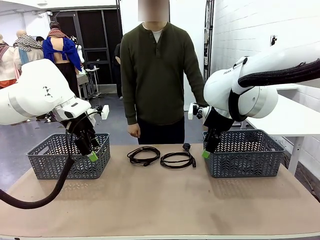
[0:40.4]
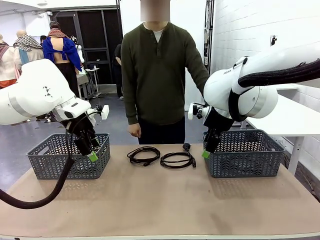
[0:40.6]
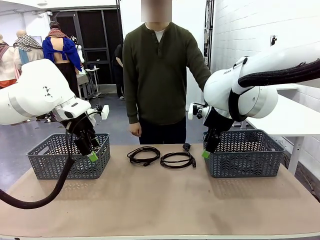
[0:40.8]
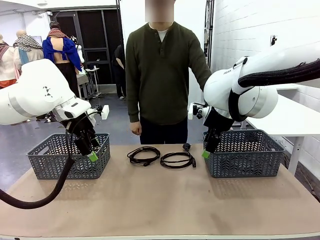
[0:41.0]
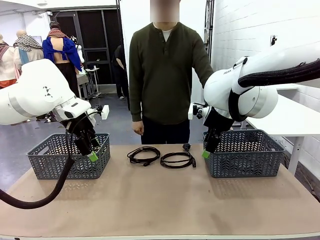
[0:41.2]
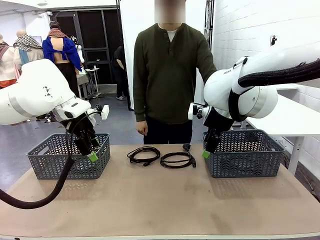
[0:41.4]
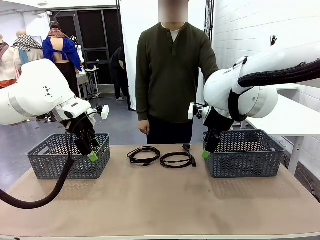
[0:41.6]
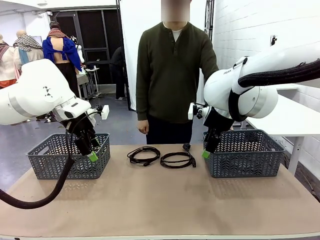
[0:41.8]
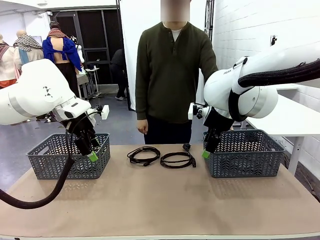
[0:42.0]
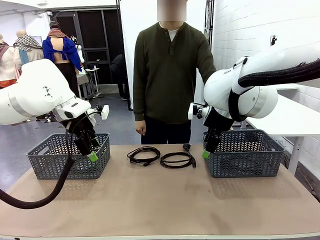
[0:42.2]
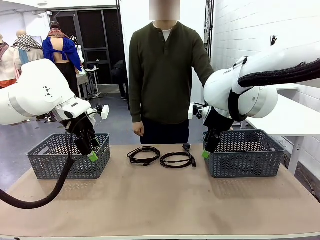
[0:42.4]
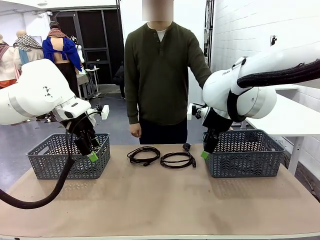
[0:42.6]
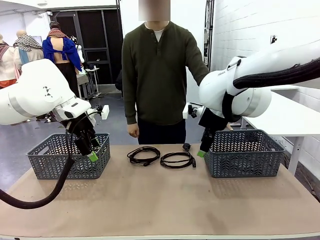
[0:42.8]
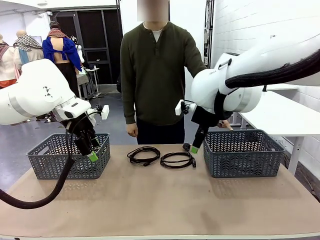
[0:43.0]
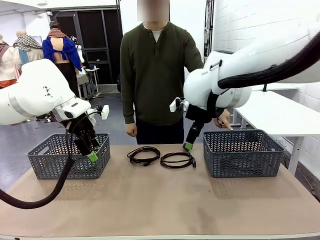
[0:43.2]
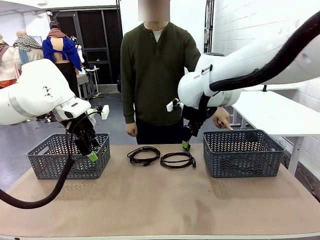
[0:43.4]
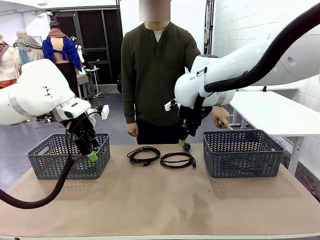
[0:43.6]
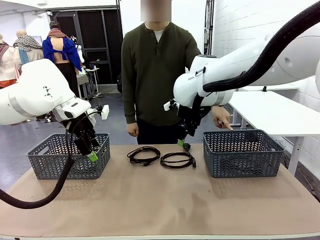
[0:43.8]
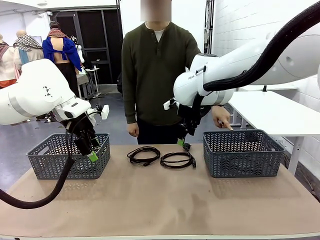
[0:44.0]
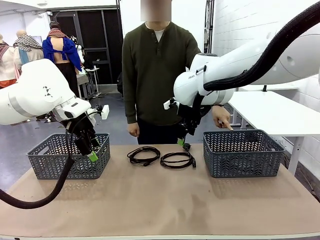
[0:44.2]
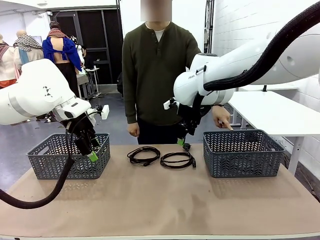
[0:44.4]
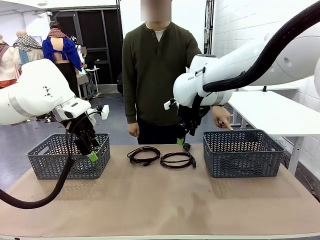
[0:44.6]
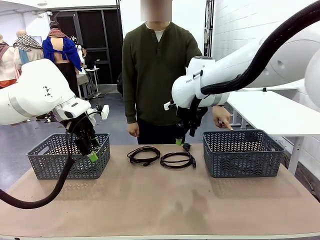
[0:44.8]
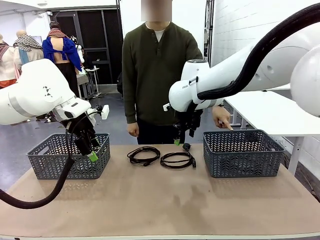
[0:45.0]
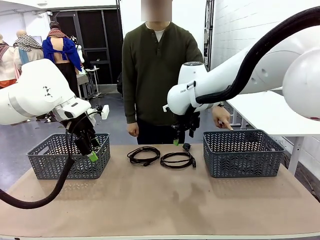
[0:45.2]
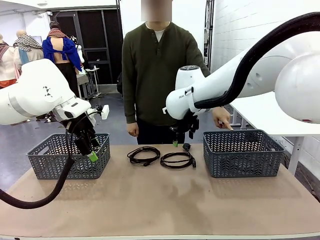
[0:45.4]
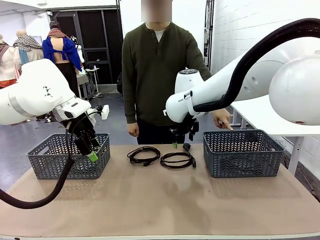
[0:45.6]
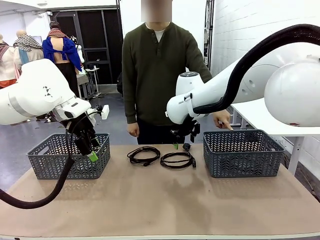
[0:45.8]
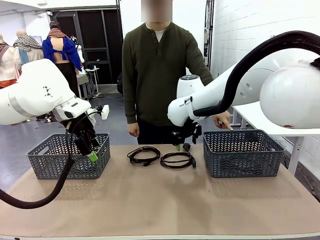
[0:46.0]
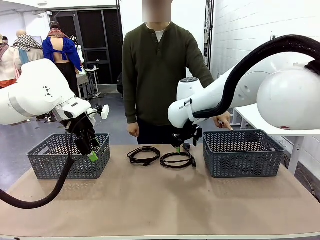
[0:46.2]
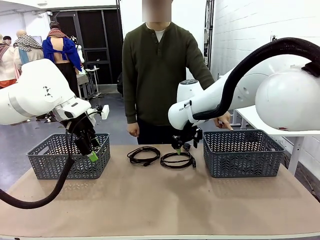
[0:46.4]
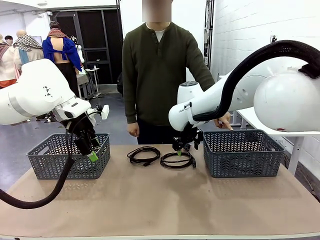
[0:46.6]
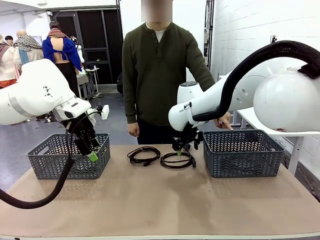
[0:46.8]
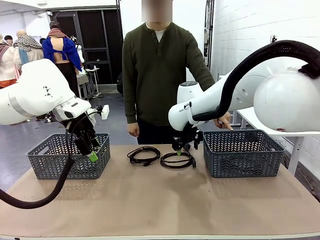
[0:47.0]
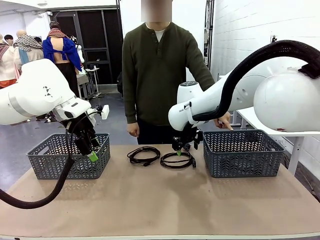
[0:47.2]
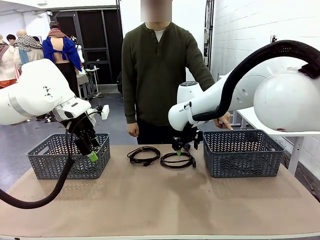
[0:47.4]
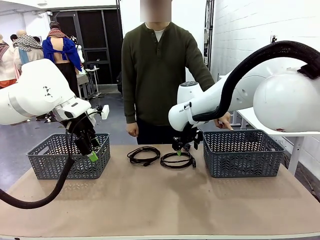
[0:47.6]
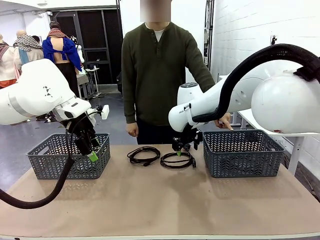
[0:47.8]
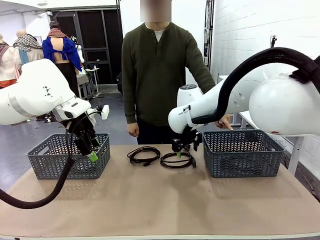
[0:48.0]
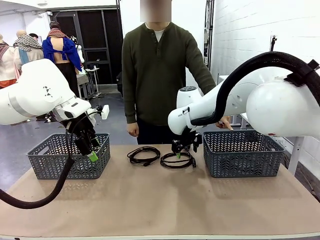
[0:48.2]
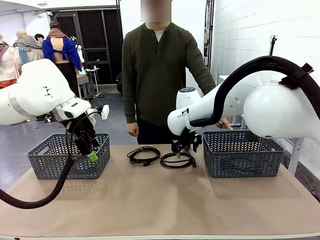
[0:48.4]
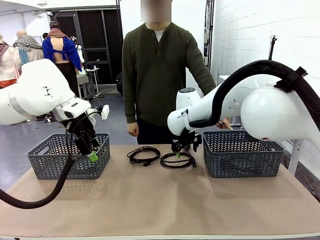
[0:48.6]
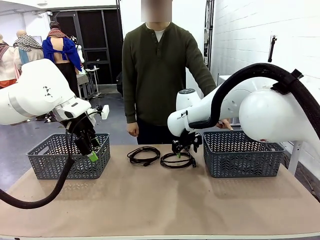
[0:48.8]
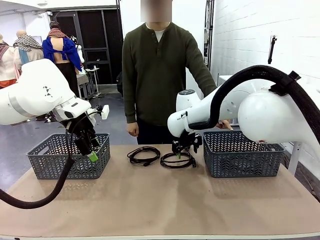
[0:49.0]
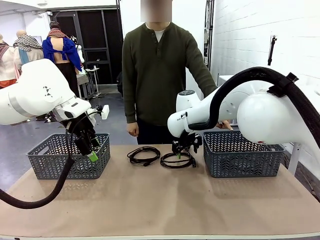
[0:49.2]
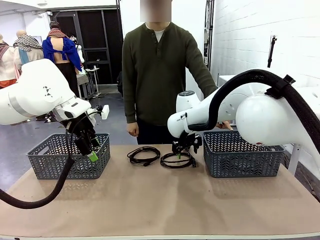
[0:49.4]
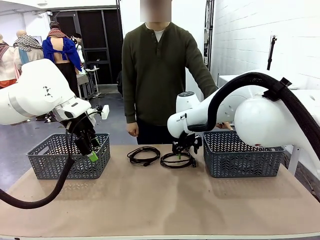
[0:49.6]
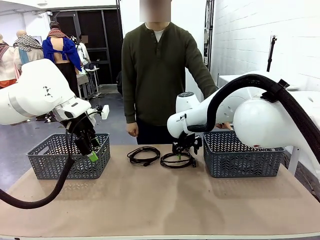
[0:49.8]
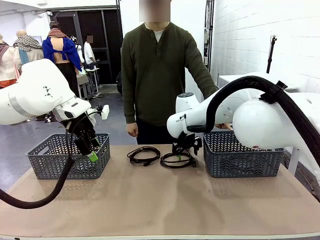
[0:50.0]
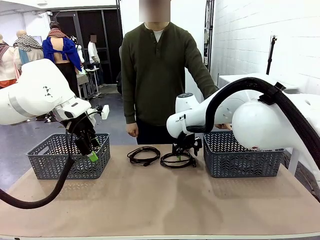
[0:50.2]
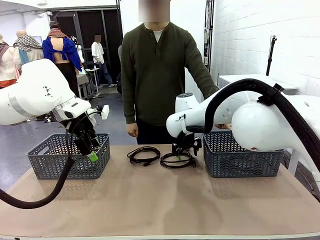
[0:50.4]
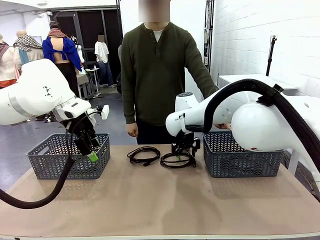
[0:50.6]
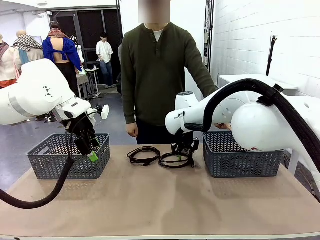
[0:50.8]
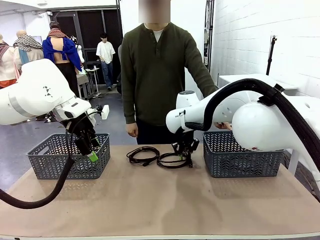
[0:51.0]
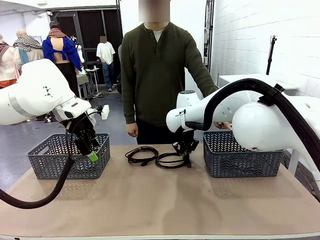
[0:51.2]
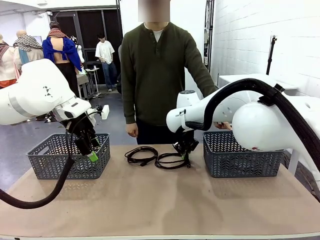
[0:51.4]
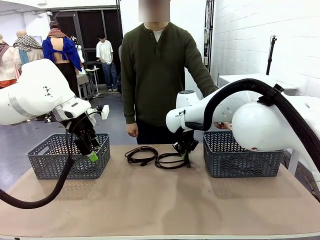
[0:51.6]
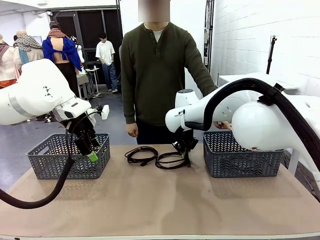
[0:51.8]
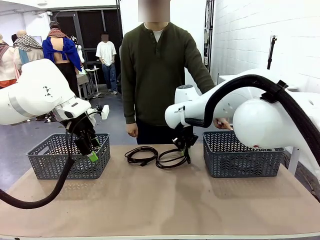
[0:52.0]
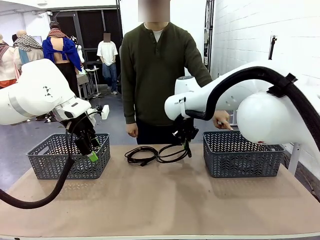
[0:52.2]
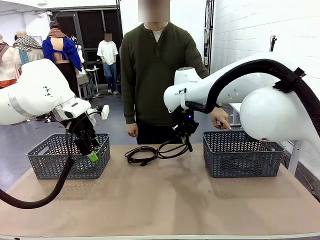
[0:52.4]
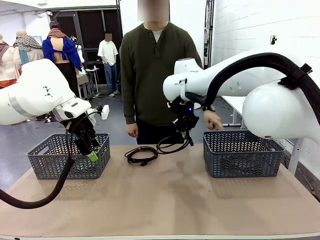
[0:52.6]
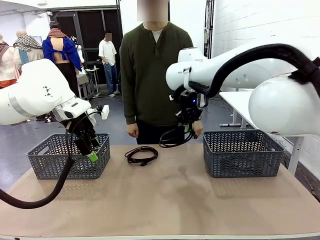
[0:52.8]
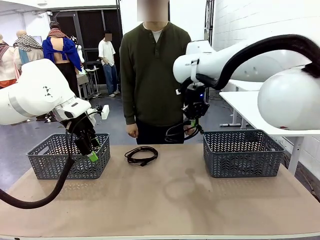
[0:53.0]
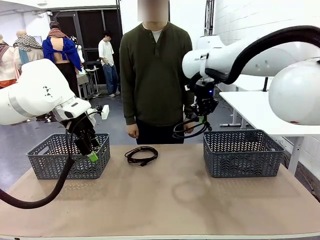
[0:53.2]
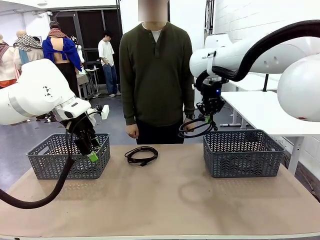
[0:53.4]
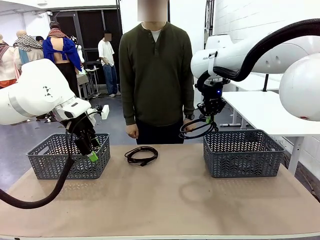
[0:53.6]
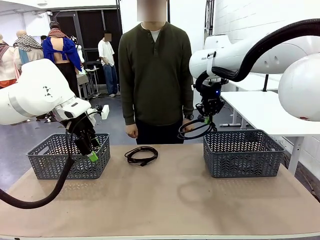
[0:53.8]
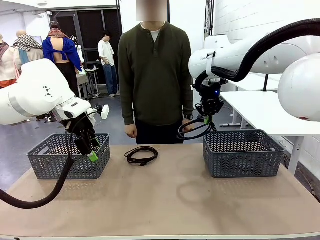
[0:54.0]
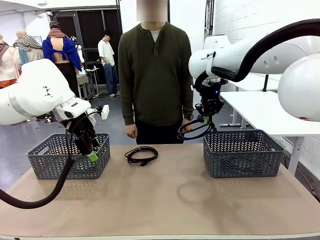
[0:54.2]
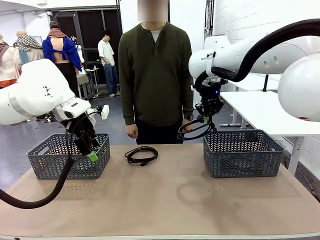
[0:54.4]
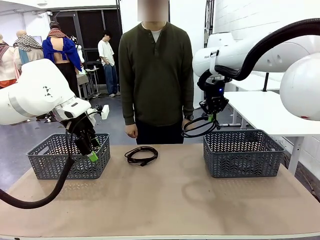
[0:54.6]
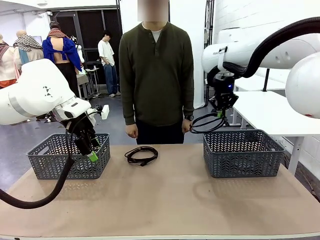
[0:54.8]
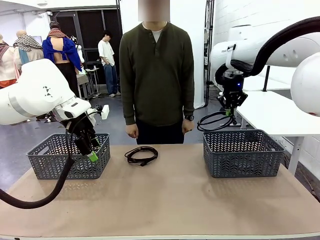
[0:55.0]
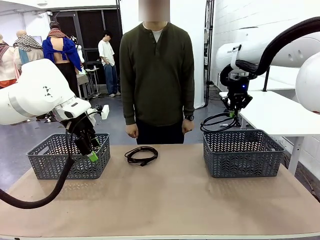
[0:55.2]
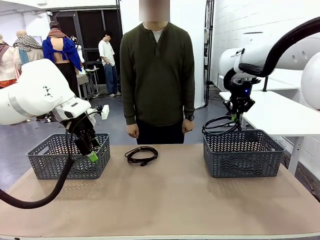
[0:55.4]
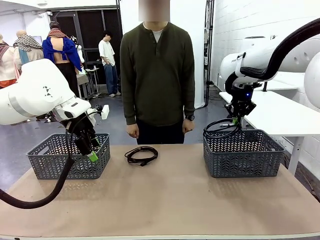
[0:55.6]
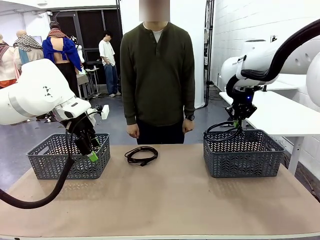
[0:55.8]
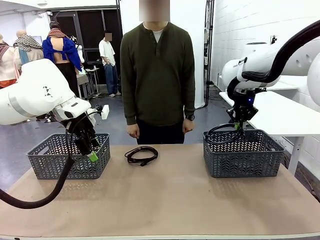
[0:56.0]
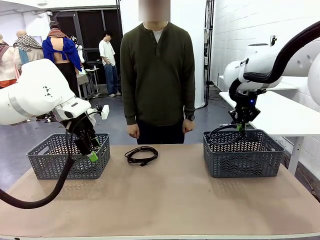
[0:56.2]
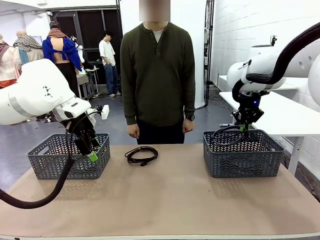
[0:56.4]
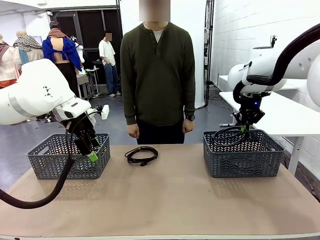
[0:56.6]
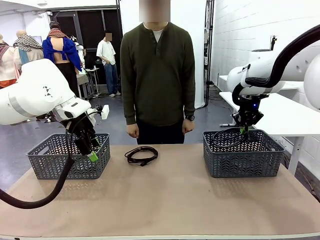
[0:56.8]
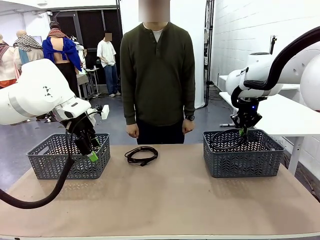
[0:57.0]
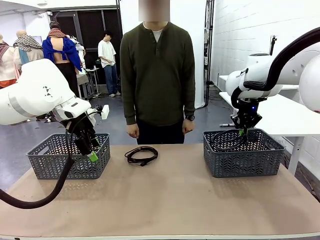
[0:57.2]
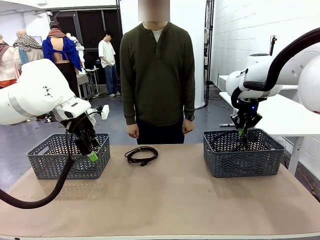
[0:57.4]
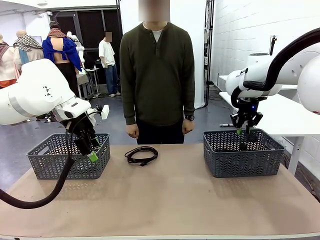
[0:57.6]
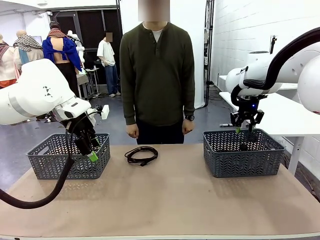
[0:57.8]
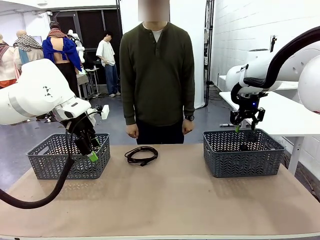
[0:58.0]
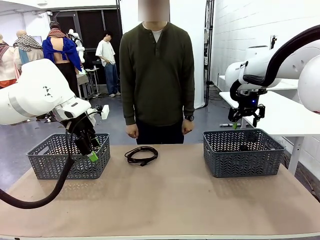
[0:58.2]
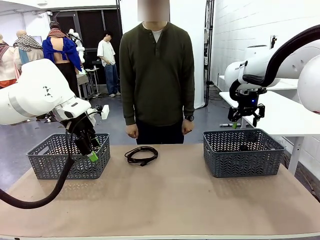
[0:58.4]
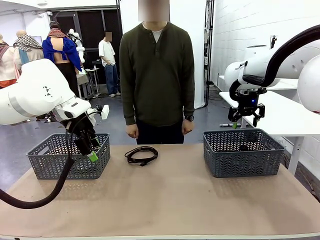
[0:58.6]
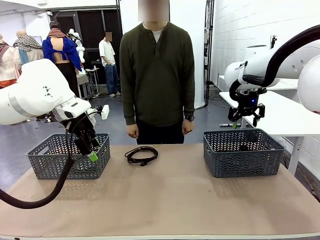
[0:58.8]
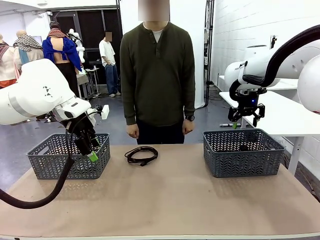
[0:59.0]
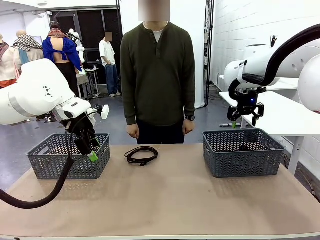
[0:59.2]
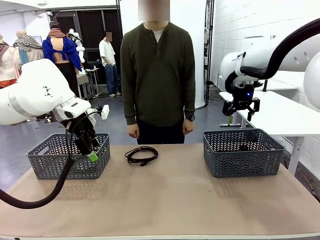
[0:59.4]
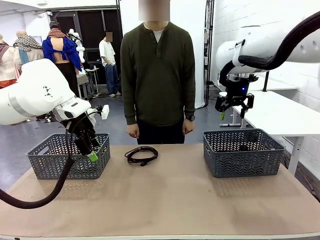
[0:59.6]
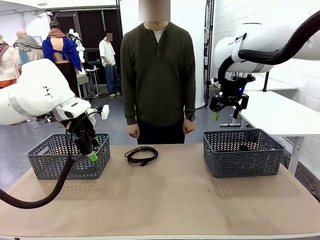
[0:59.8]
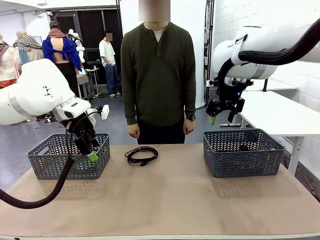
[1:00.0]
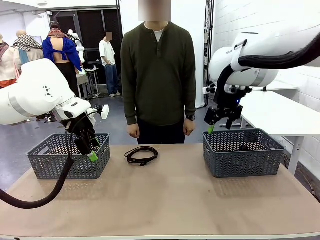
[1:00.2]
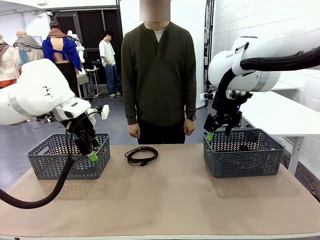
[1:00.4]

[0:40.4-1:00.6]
Task: Organize the cables according to human instructions.
Robot: Pick up a bundle of cables and place it in the basket indicated by the human.
